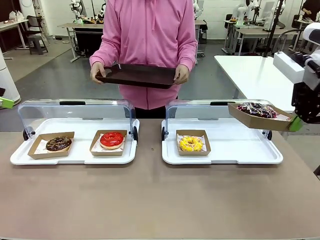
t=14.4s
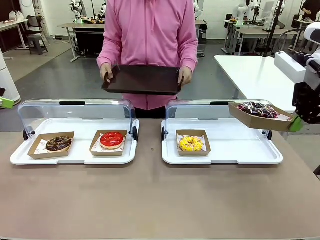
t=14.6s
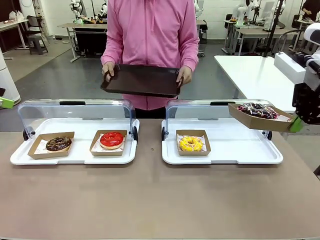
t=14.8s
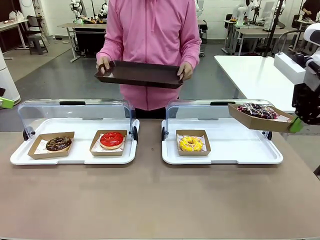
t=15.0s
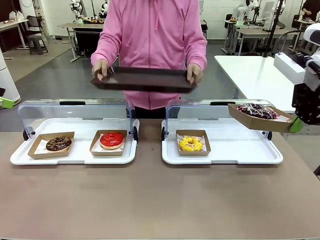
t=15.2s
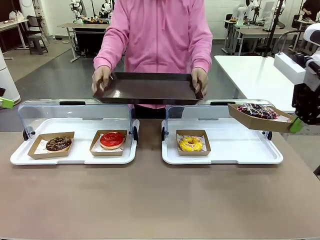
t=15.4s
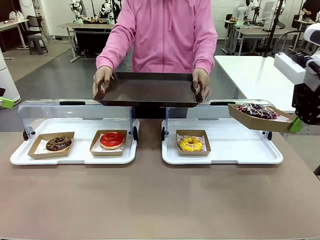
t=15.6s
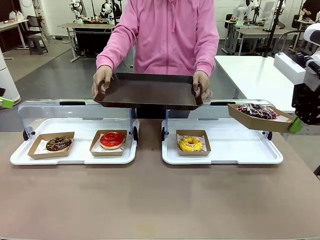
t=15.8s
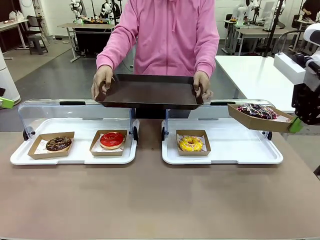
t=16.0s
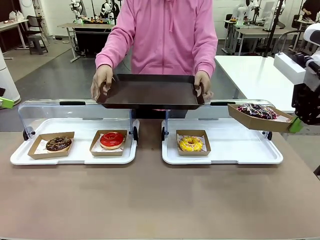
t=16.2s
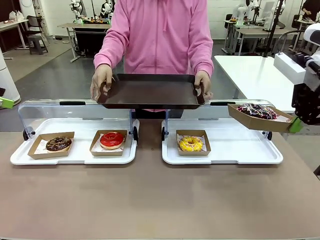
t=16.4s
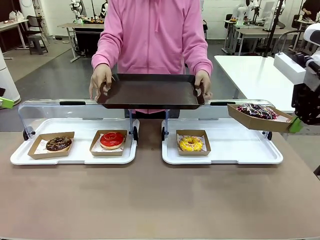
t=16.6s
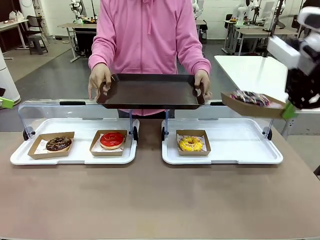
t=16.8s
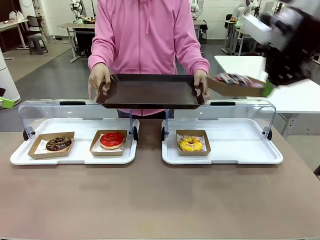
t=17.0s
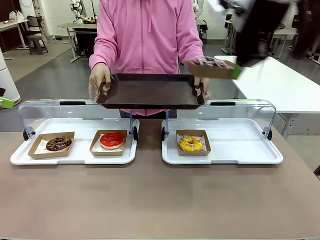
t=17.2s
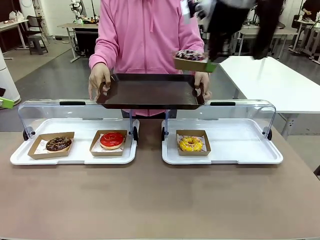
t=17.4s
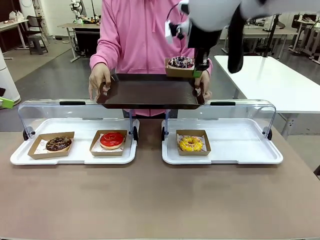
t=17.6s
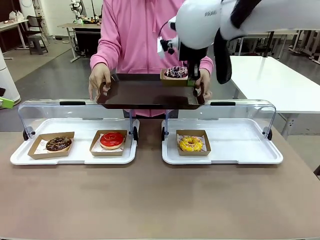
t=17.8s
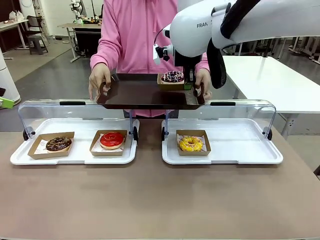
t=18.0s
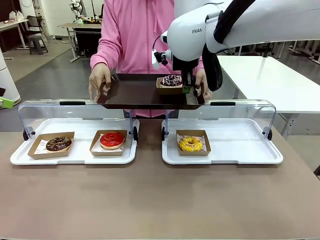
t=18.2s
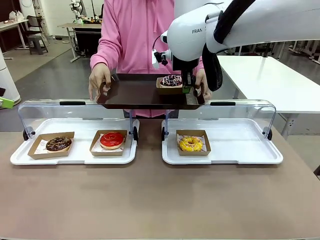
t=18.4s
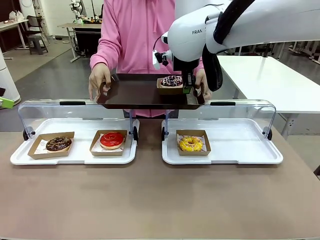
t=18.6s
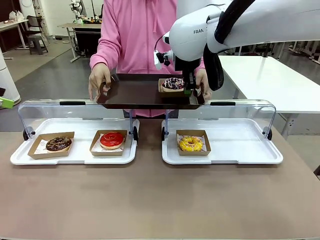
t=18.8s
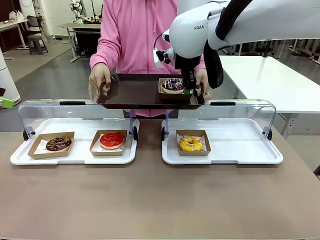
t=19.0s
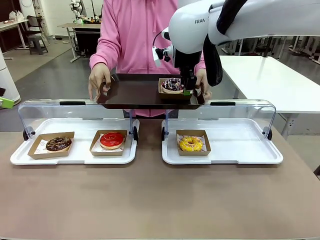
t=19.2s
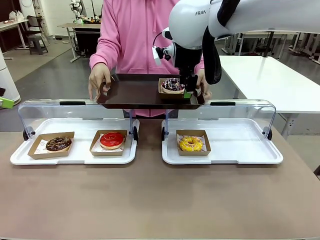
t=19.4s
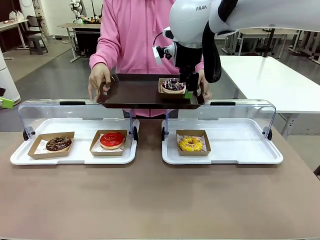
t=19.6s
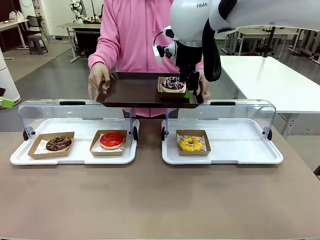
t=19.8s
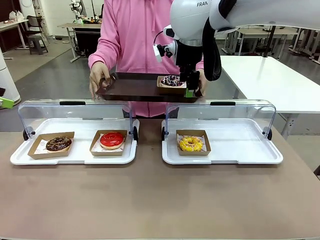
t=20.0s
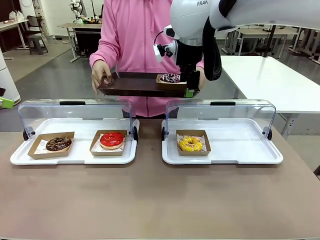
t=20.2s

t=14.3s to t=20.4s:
Task: Provide the desired donut to the person.
Robot: Place the picked Paper togo box onto the Handle tray extended by the person.
Person: Point to one donut.

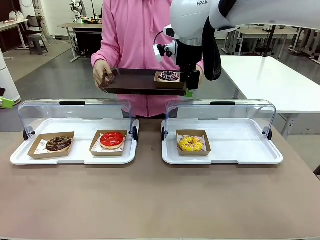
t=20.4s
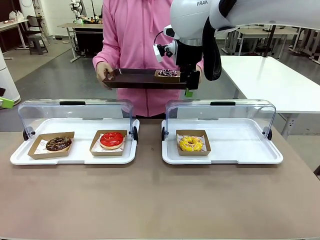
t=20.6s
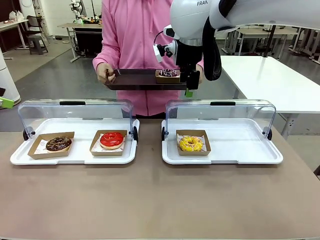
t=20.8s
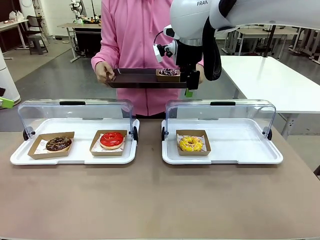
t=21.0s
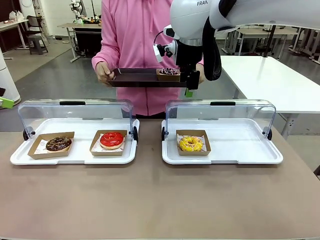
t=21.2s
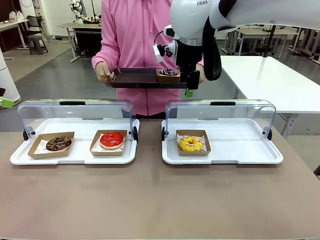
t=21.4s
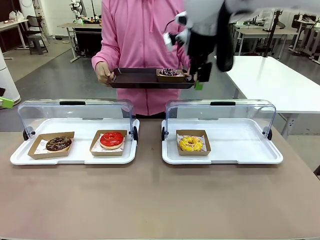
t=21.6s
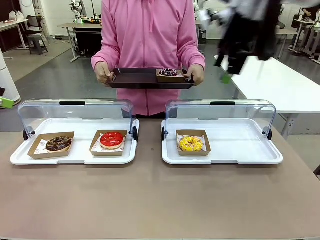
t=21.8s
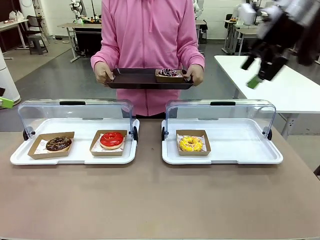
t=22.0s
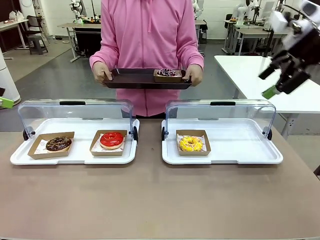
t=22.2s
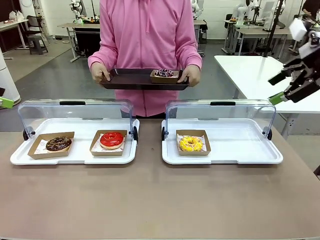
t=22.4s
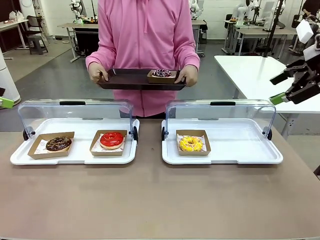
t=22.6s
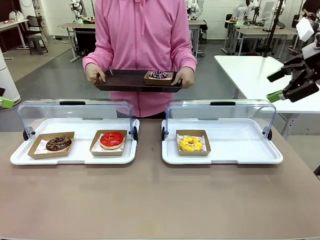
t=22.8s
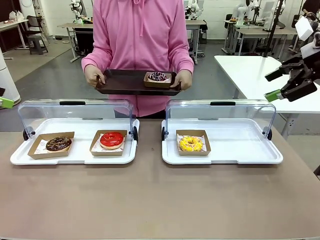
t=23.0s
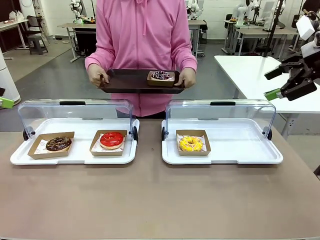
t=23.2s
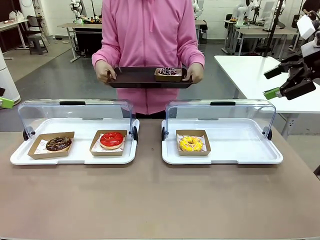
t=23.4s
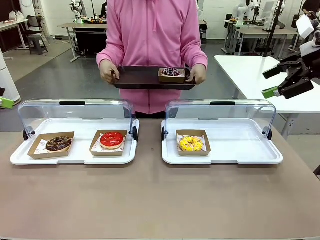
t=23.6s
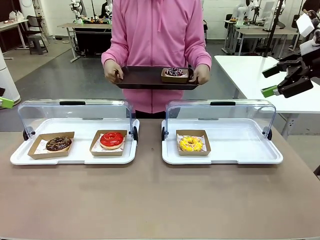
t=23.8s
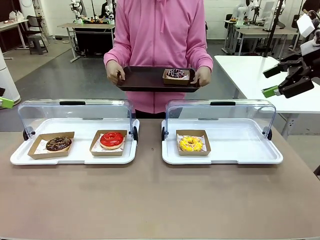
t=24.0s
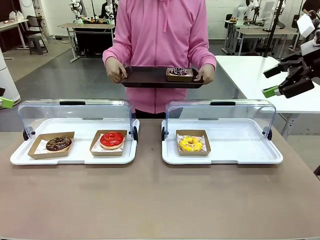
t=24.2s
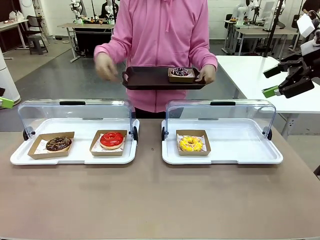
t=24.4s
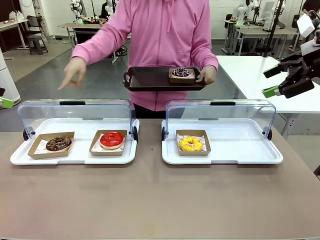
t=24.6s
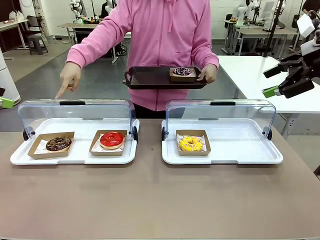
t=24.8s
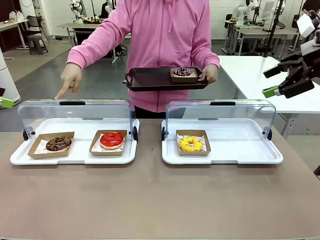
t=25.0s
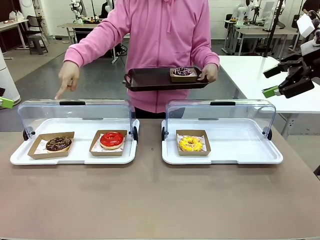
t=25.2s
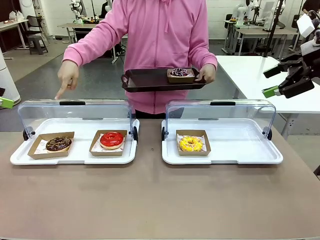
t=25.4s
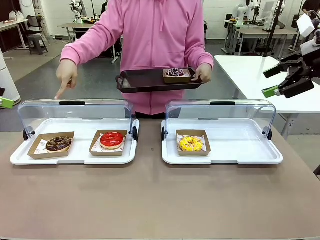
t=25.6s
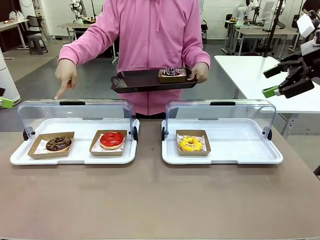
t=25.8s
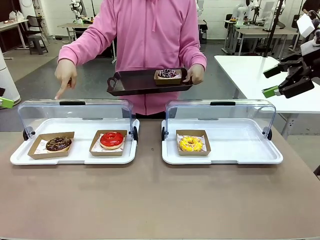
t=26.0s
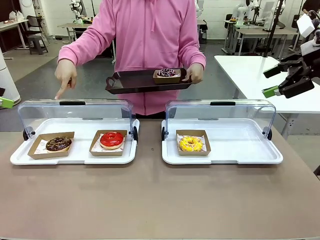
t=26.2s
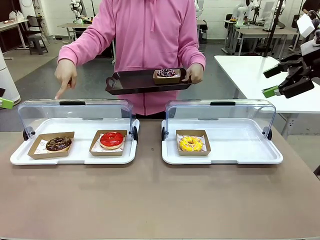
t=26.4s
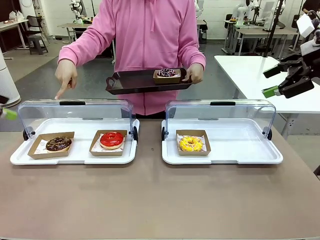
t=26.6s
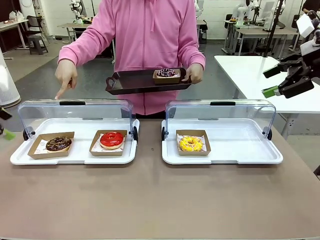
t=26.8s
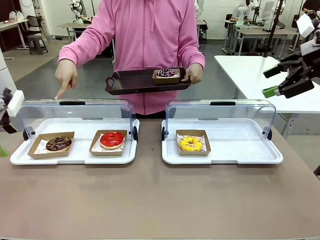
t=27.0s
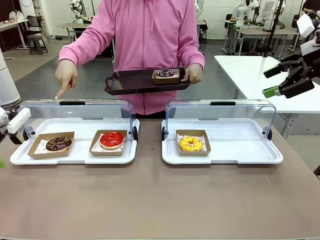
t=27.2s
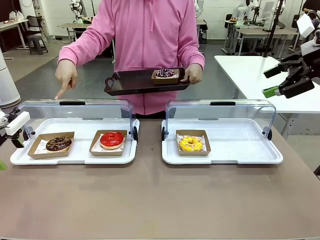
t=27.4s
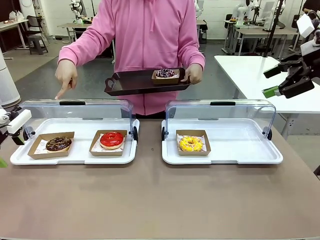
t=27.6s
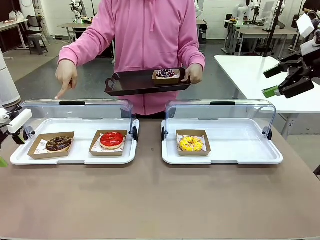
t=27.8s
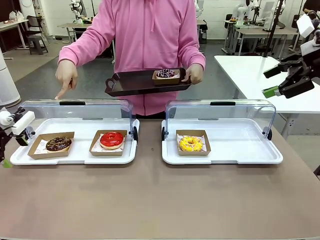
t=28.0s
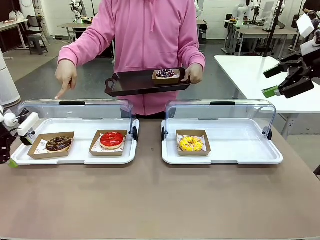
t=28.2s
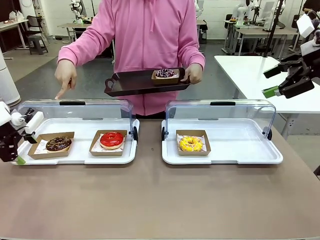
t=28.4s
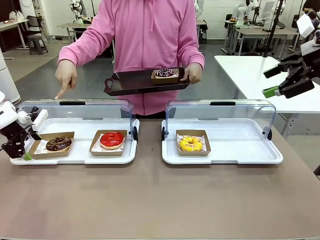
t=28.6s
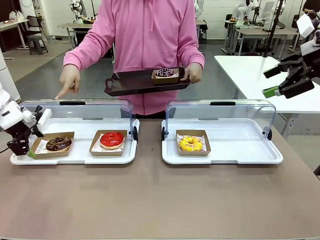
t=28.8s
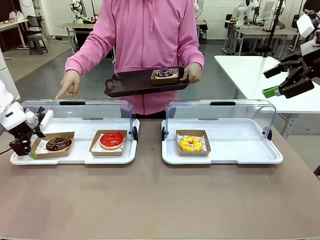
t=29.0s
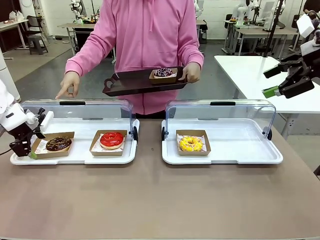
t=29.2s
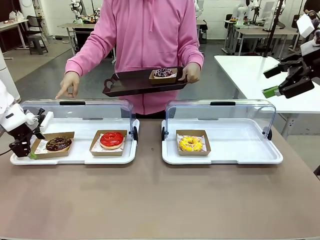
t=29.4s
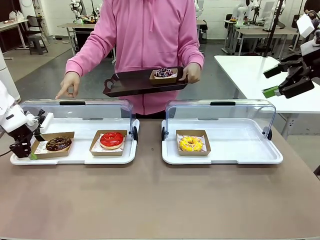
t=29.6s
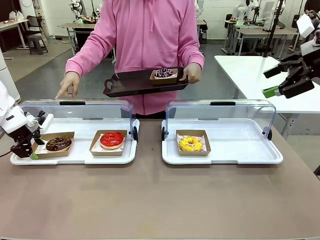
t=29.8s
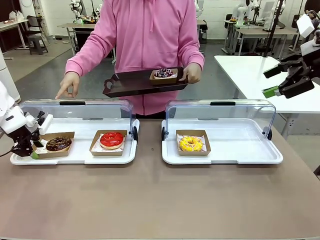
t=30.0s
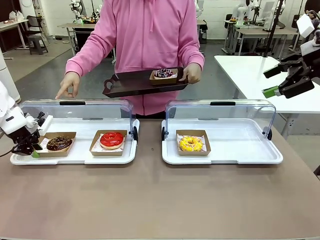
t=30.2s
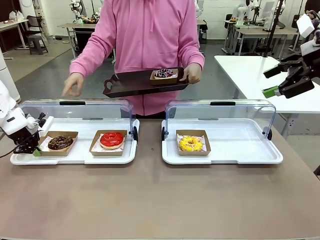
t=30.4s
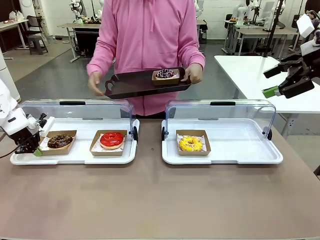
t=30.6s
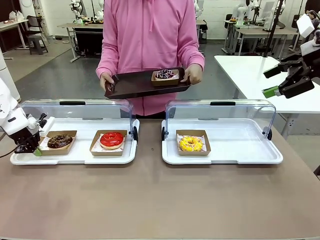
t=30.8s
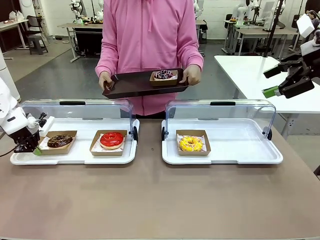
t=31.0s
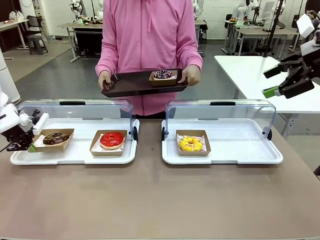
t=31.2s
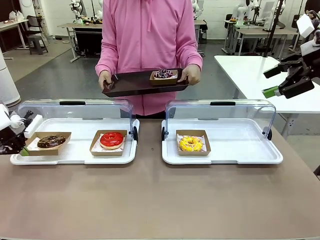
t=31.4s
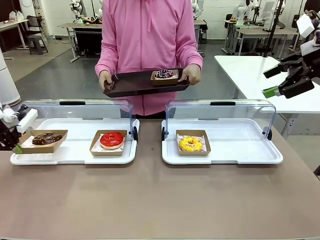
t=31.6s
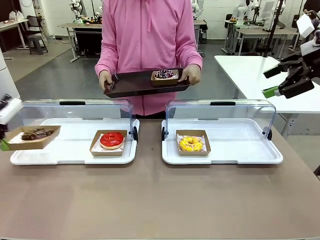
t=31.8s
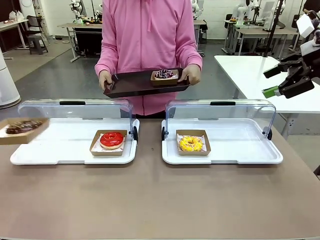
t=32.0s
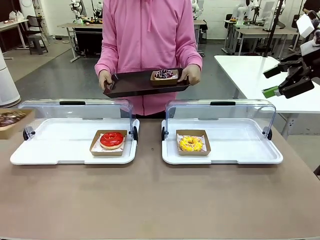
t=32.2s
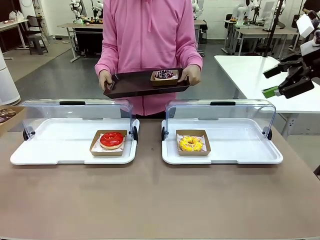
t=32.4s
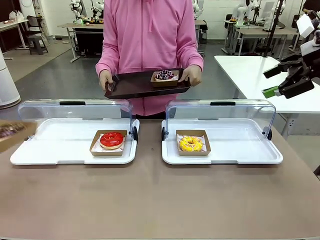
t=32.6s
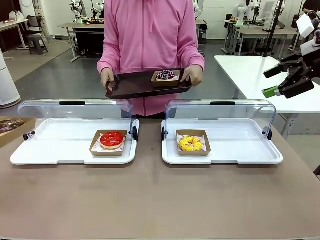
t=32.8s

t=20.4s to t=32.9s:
Robot: Pick up and lift the Paper togo box containing the Donut pointed at by the person.
Person: Lift the tray onto the Roll-Top Bakery Case.
